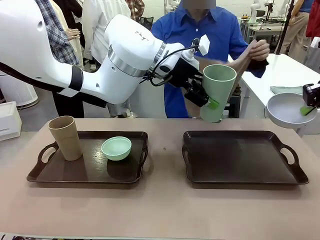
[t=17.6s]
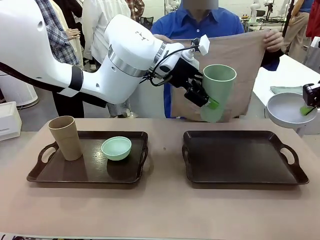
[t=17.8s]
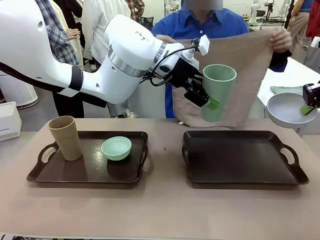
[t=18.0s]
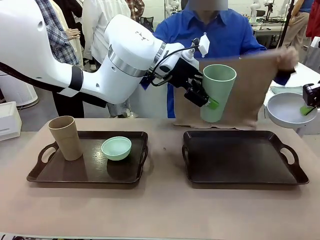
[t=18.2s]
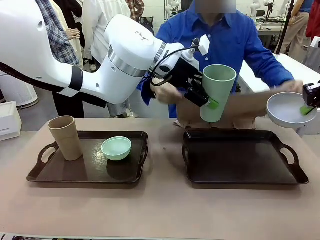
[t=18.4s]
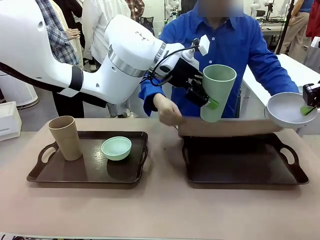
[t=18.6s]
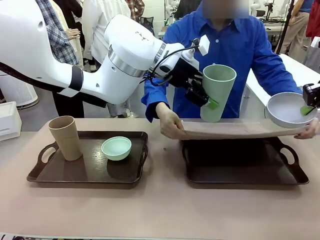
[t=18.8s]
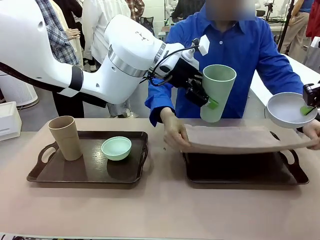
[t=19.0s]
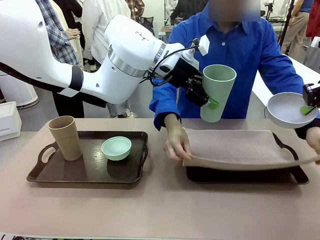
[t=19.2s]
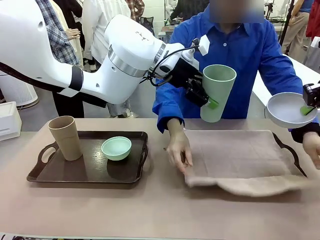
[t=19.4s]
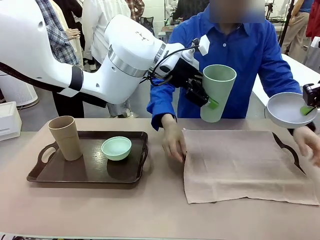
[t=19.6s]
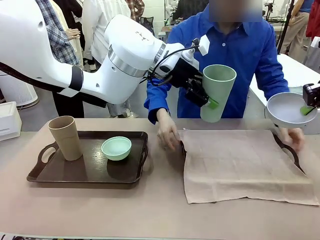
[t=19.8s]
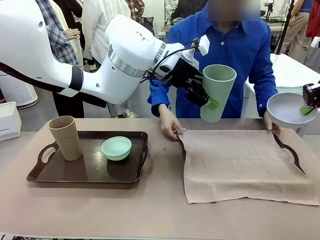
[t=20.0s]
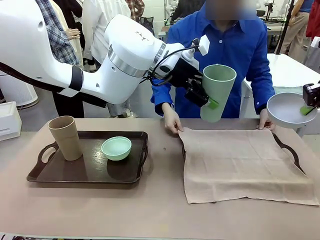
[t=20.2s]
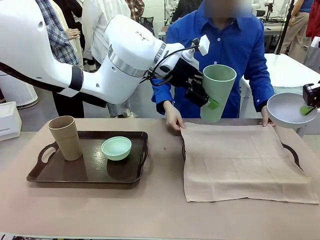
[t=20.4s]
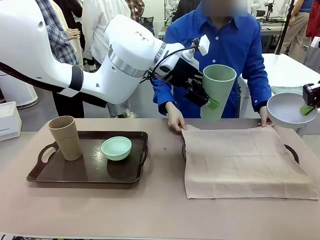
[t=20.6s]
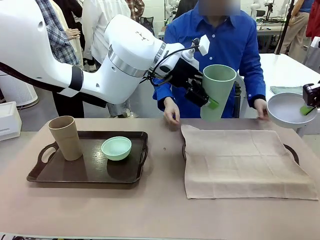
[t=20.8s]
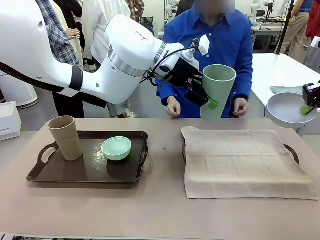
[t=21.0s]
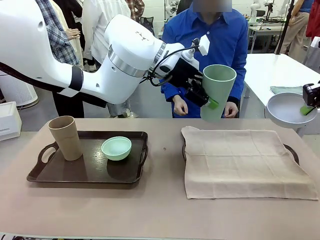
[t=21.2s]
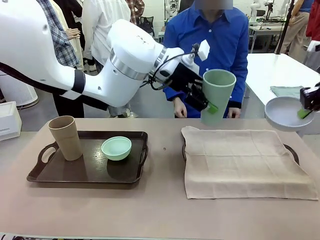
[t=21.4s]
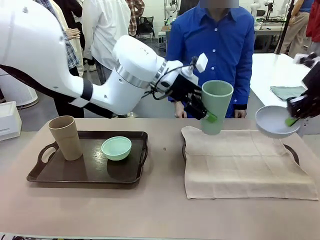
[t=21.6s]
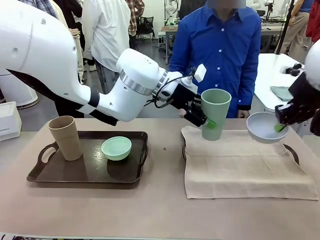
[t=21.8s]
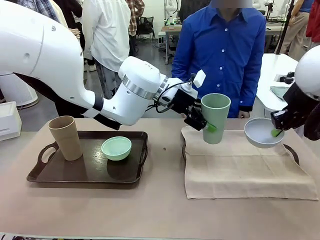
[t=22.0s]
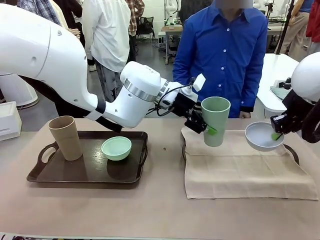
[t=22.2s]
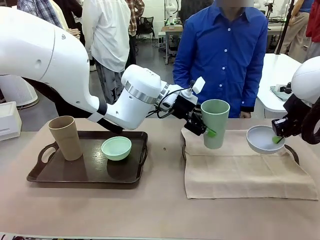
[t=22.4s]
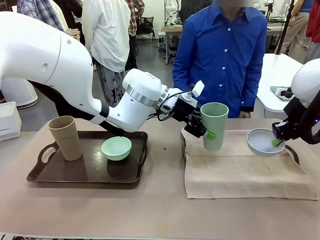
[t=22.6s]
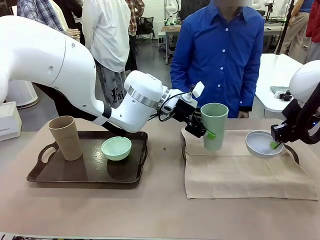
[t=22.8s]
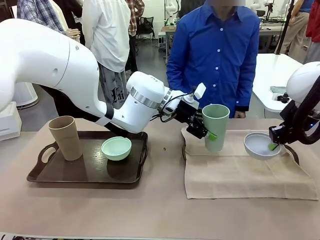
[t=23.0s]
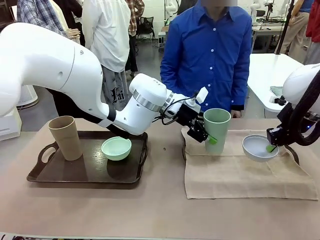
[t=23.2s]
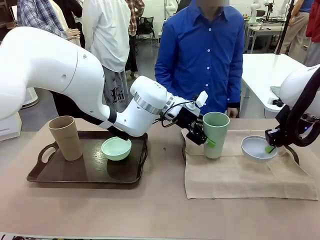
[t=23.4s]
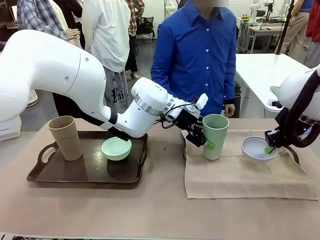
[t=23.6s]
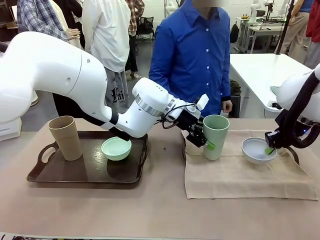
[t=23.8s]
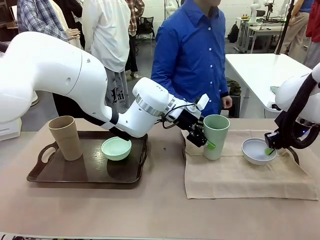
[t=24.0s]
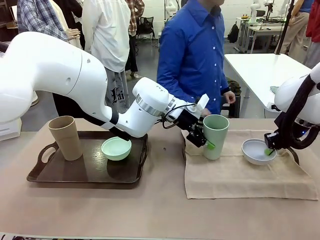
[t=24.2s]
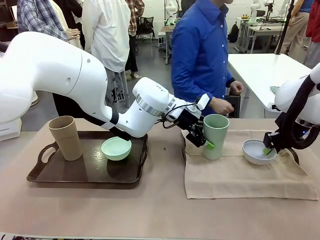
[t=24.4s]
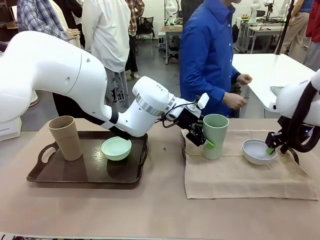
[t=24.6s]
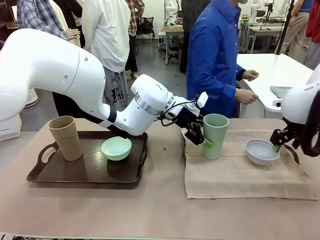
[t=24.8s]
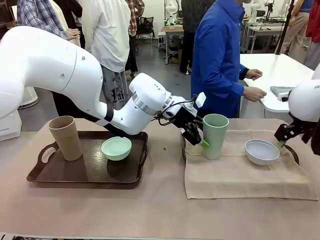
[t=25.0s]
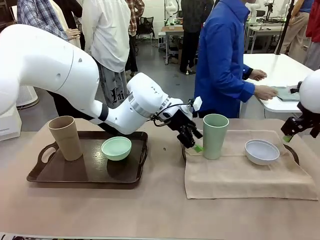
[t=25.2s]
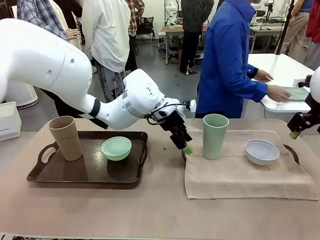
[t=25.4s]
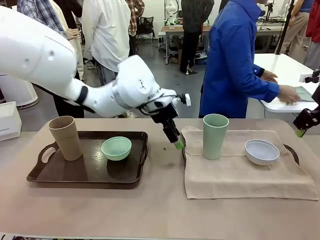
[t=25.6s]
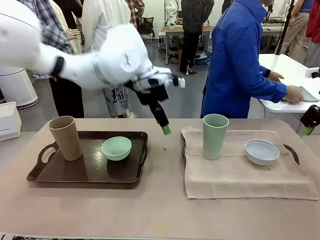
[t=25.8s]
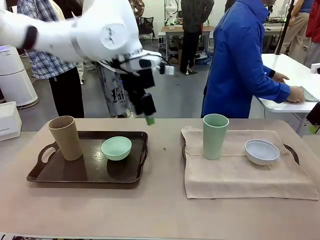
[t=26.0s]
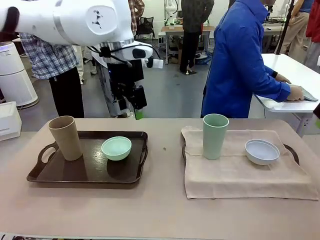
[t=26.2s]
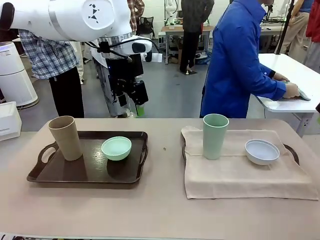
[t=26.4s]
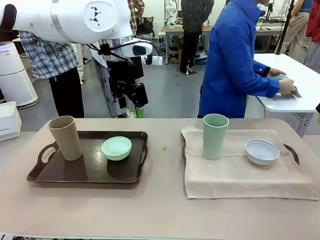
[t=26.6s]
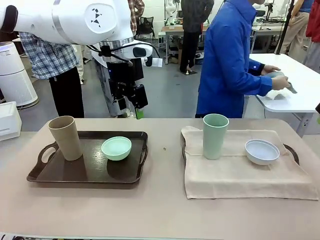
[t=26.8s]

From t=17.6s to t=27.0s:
Robot: Place the Picnic Bowl and Reusable plastic cup back onto the Handle tray in front of the human's position.

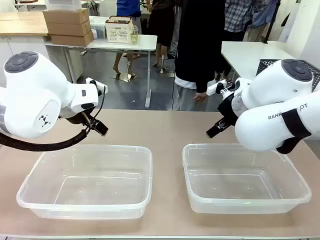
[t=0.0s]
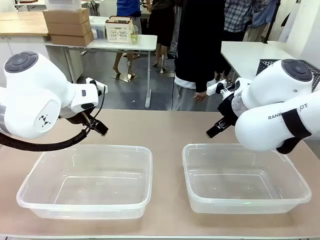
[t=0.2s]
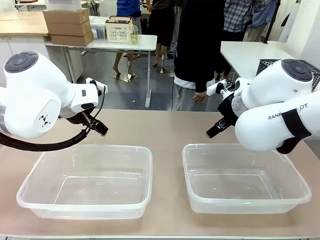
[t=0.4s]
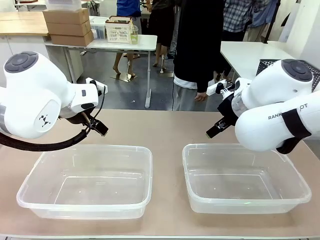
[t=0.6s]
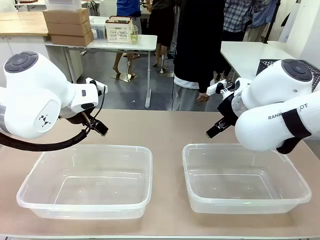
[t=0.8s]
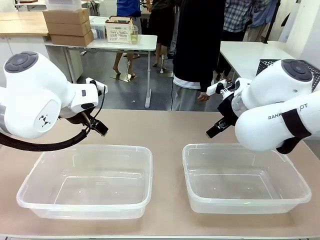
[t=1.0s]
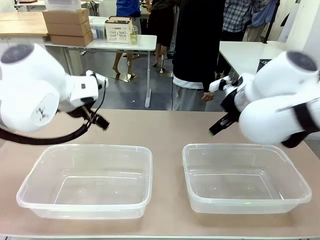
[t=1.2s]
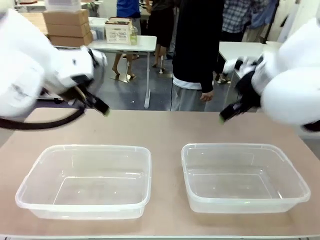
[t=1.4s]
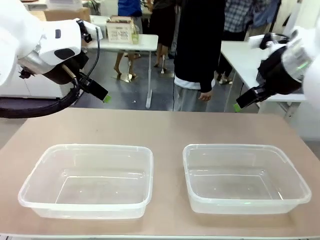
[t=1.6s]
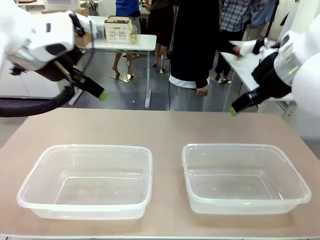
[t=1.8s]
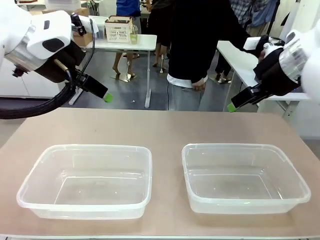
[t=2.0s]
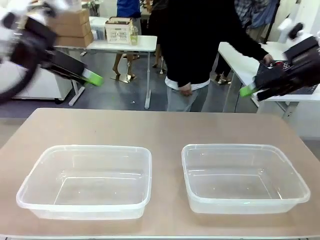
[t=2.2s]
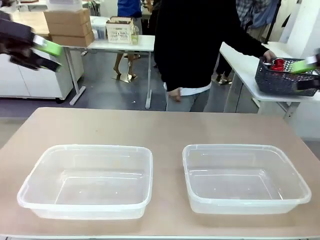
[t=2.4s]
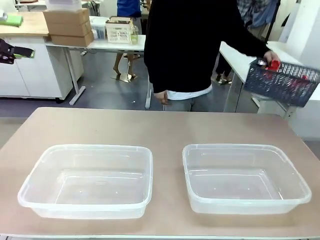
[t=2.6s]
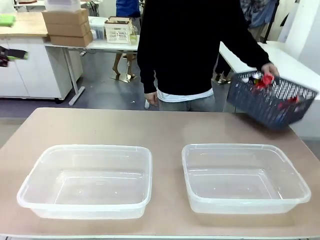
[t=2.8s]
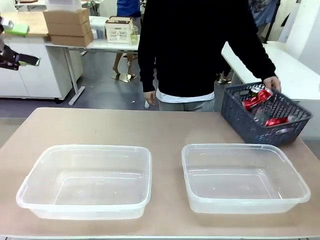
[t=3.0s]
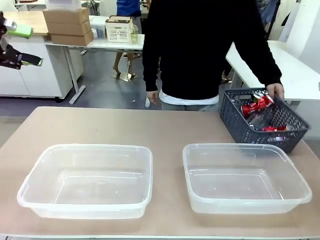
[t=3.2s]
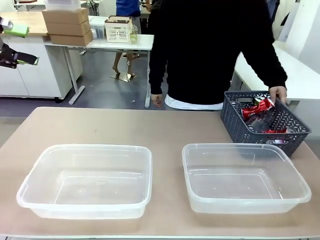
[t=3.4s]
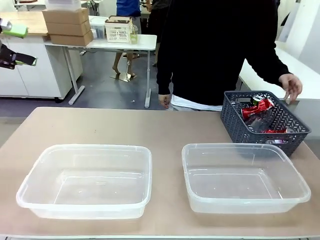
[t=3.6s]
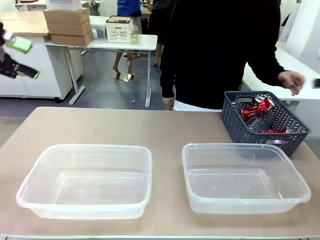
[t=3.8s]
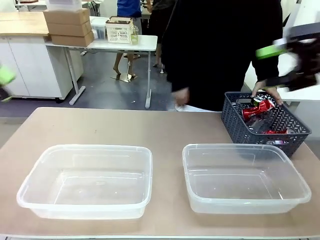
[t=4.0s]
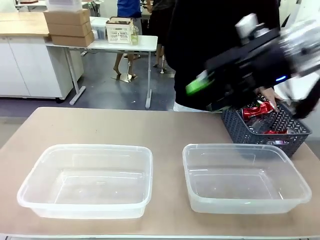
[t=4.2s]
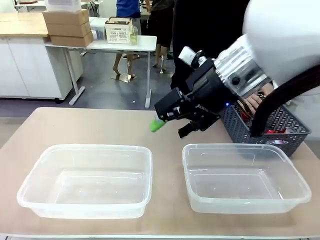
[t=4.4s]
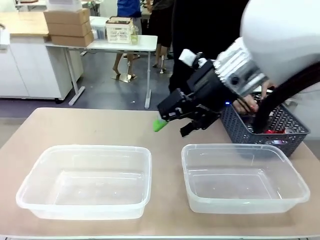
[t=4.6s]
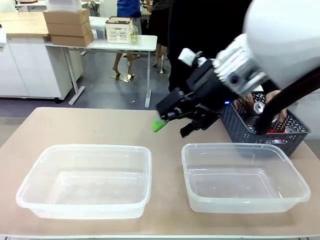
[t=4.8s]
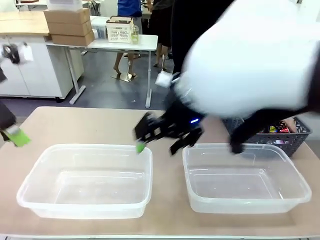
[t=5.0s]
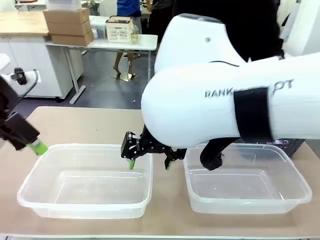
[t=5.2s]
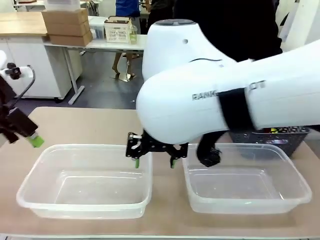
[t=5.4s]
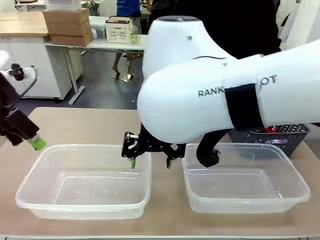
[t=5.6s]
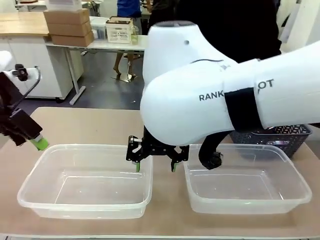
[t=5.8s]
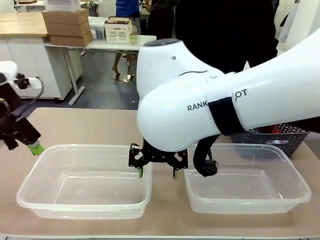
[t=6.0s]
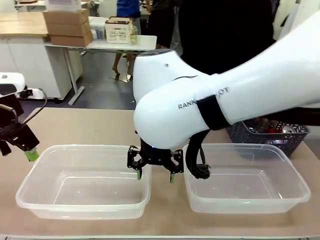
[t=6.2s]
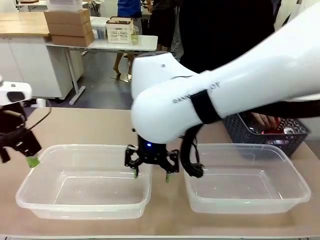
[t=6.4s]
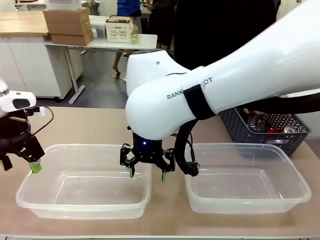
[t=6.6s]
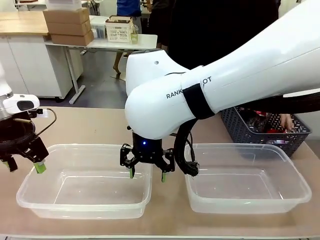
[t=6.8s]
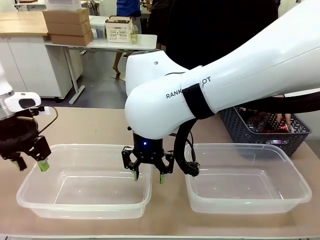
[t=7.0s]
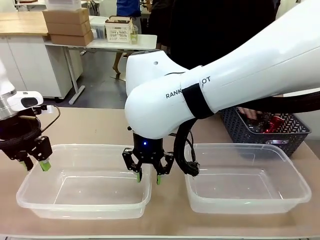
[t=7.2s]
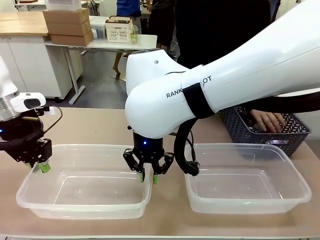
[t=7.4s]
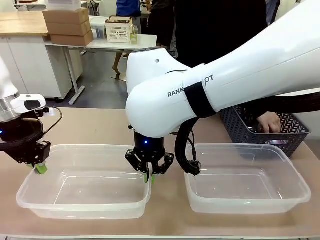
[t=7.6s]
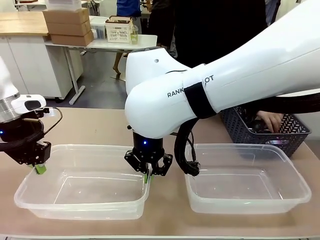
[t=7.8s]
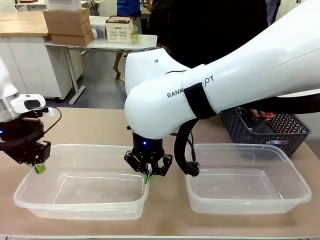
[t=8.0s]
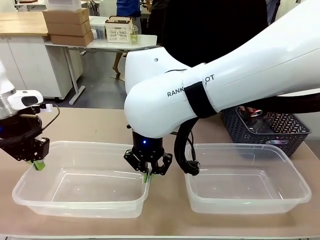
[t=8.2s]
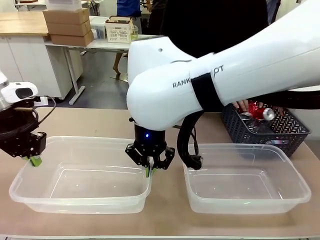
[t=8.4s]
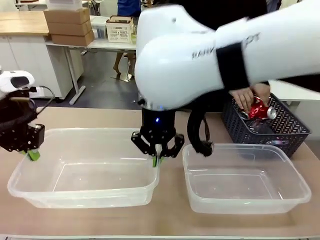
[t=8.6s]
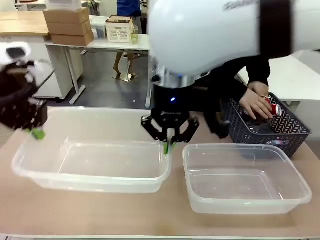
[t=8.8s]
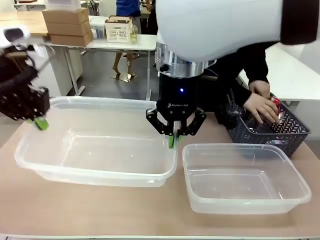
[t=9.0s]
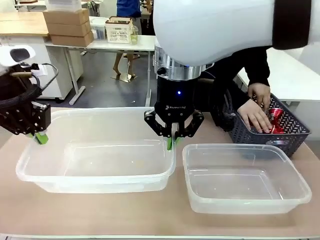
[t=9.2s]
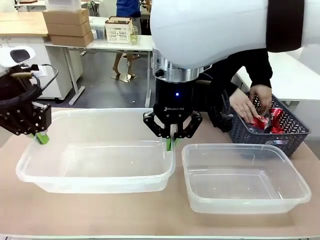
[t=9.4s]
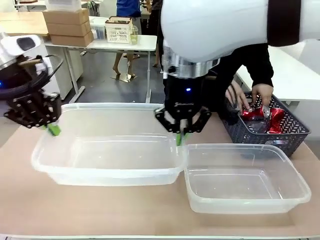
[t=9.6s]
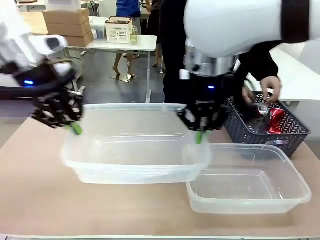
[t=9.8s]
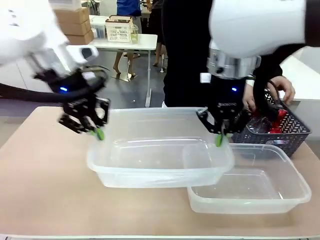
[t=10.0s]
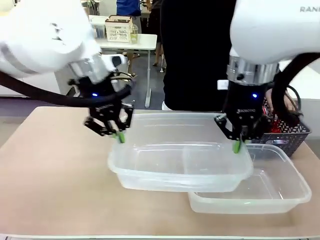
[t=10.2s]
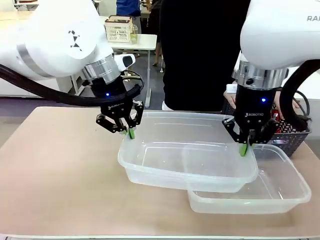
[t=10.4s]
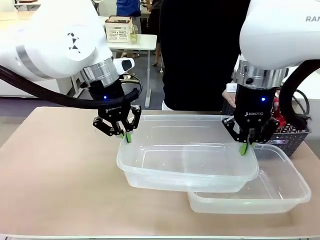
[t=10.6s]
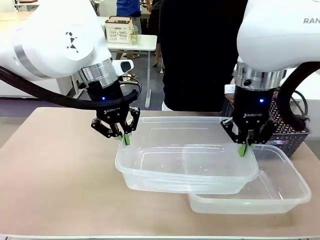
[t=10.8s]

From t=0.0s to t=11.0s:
Robot: Pick up the Organizing box on the left side of the table and lift it.
Person: Pick up the storage basket and place it on the left side of the robot table. Pick up can-shaped waste one by one and place it into the organizing box lifted by the robot.
